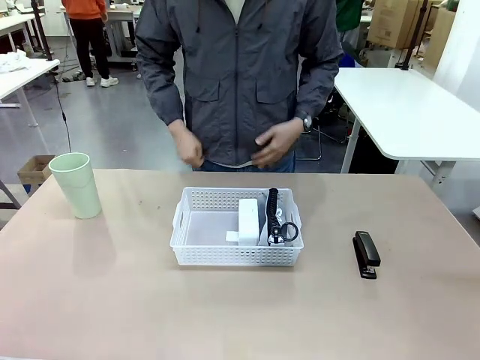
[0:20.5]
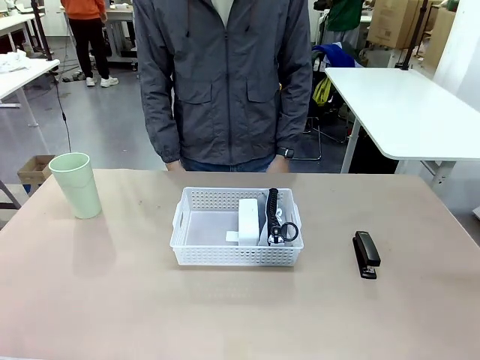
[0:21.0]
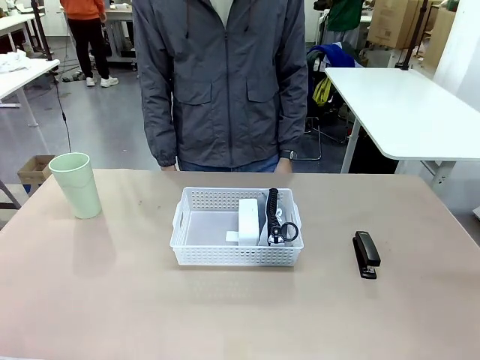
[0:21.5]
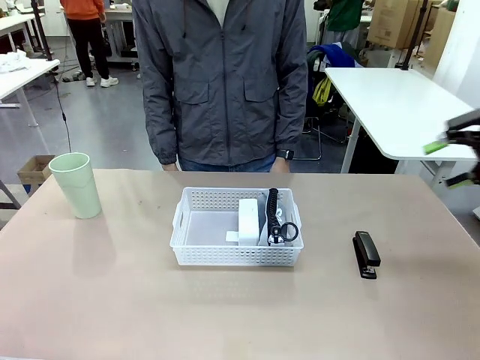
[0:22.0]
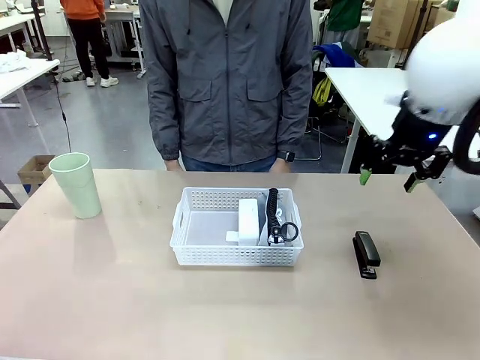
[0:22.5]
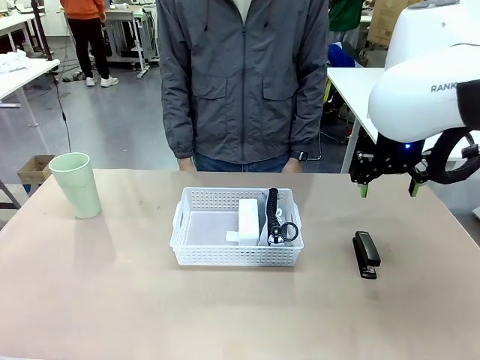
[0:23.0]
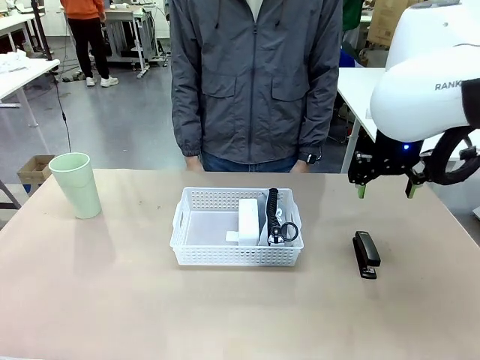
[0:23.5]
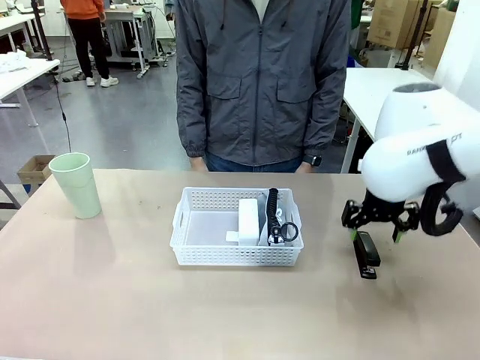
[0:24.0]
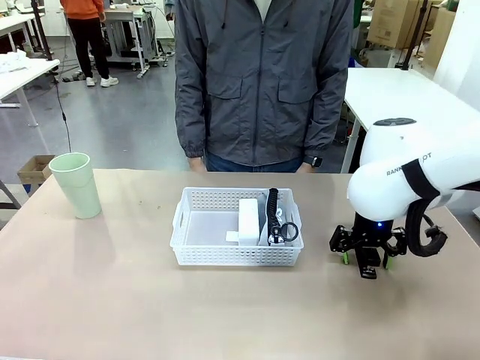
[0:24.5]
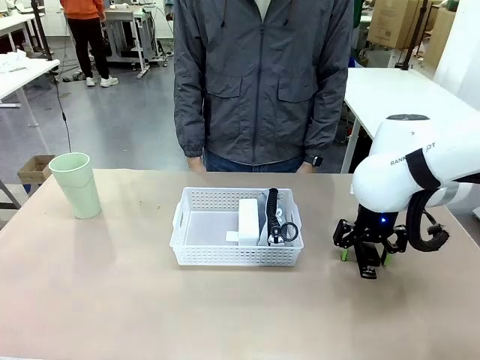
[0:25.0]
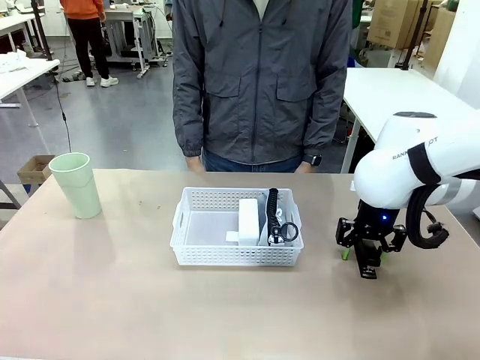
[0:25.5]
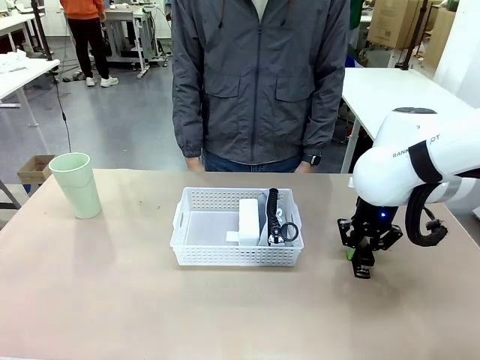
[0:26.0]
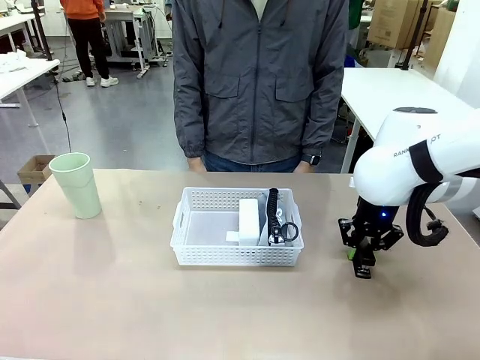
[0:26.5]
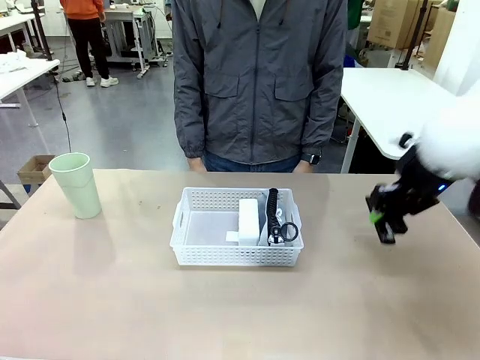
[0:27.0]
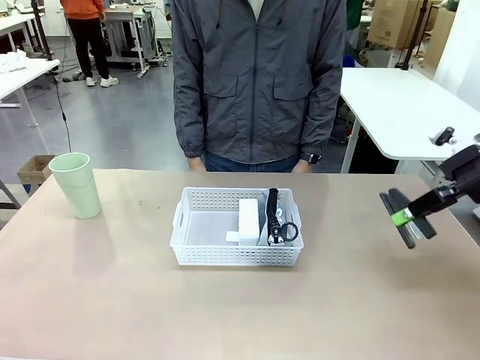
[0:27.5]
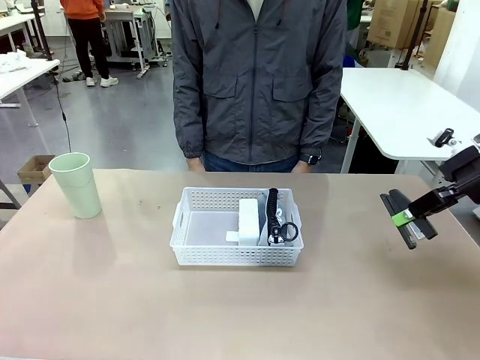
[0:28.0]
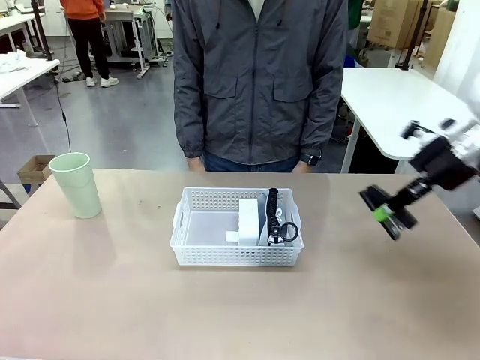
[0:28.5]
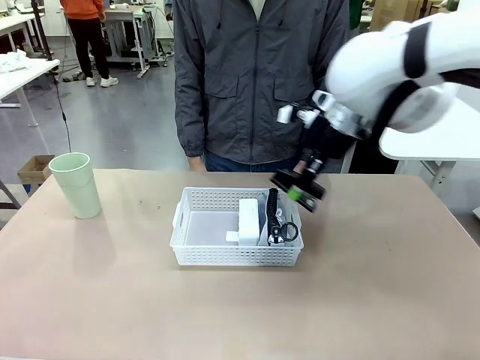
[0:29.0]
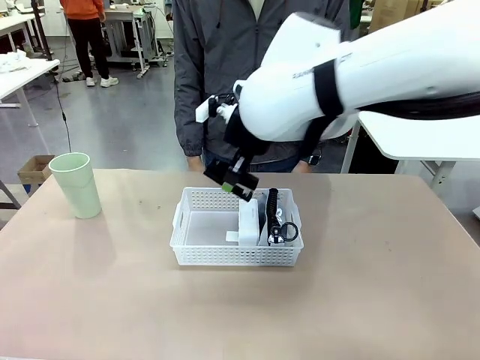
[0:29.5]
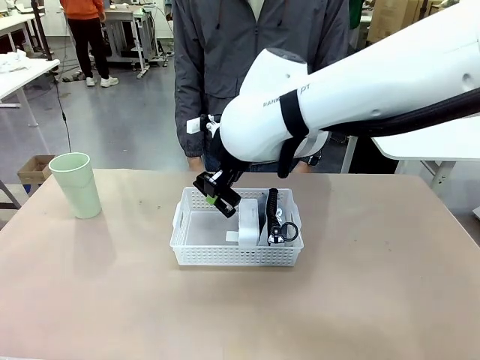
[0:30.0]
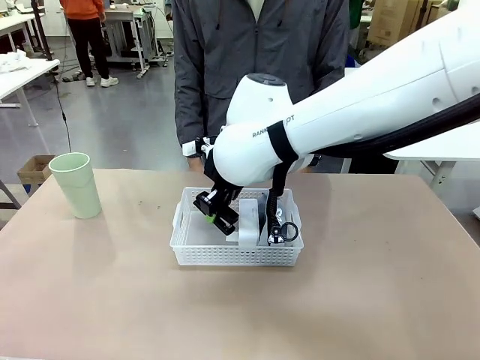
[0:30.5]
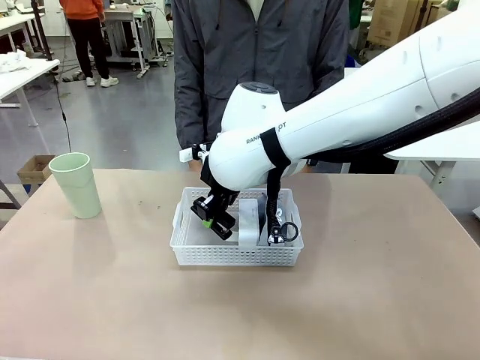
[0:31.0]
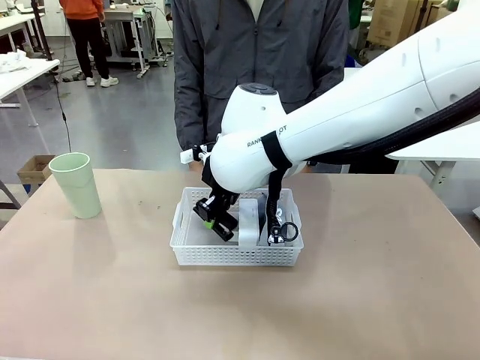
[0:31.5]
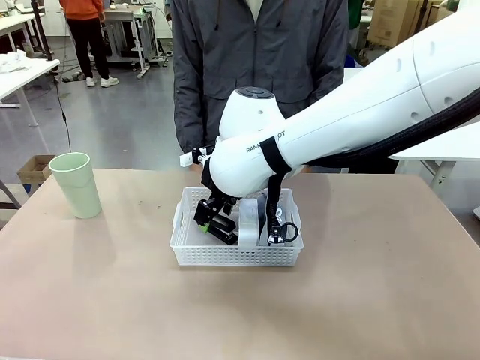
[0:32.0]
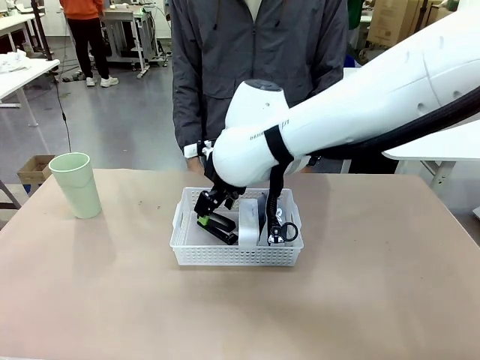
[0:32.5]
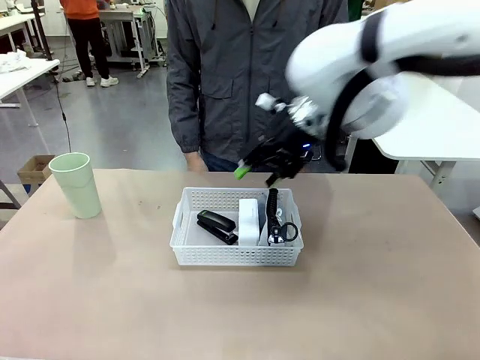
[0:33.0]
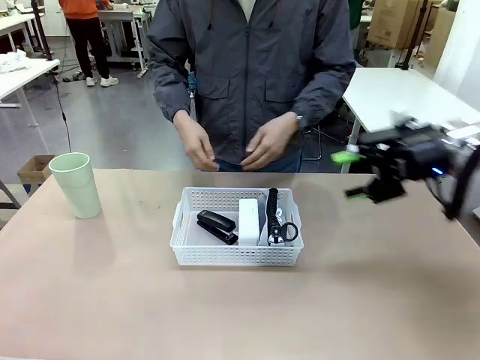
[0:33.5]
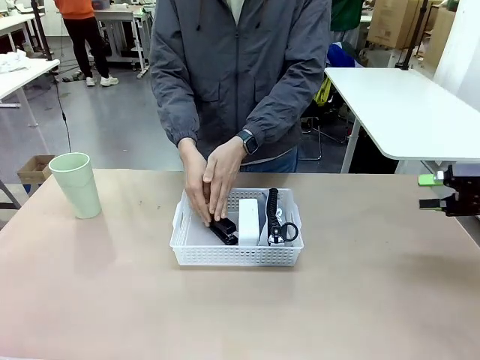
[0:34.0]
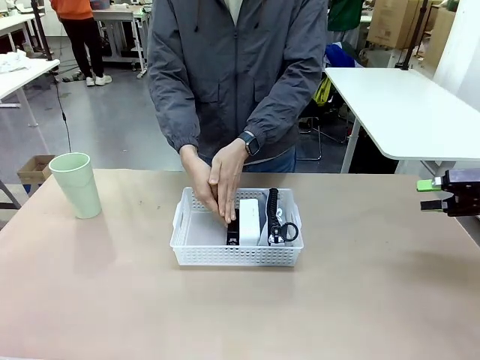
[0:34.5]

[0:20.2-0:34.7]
Task: Efficiently arrange items inside the basket to fit them all.
Robot: Pick up the Stapler and place it inside the Organizing basket.

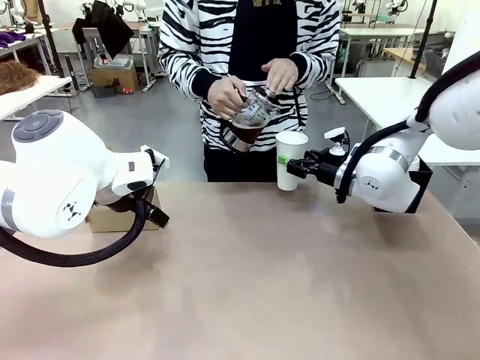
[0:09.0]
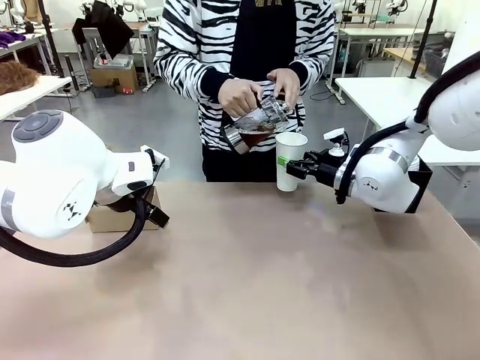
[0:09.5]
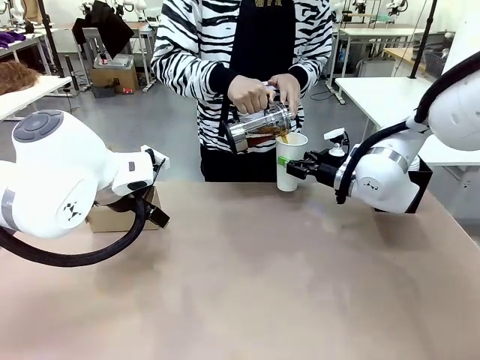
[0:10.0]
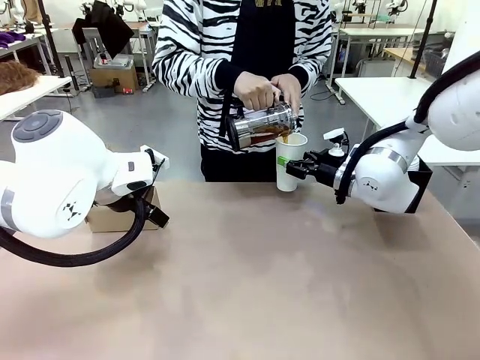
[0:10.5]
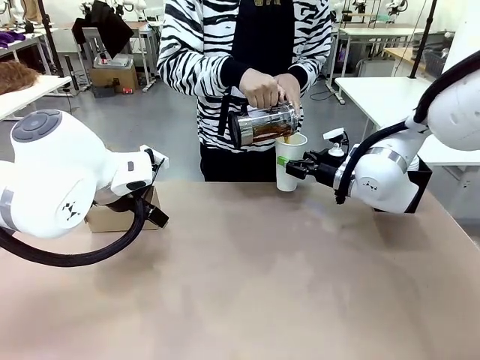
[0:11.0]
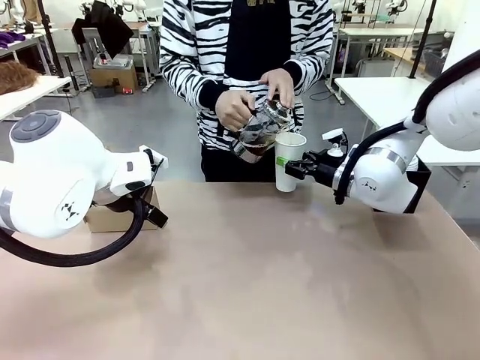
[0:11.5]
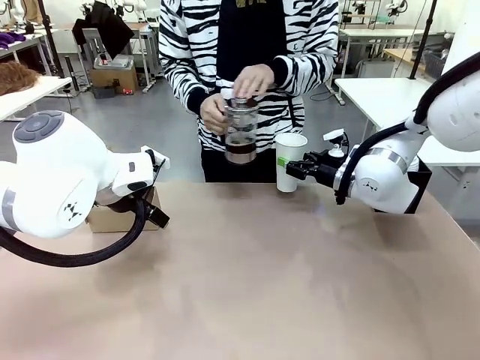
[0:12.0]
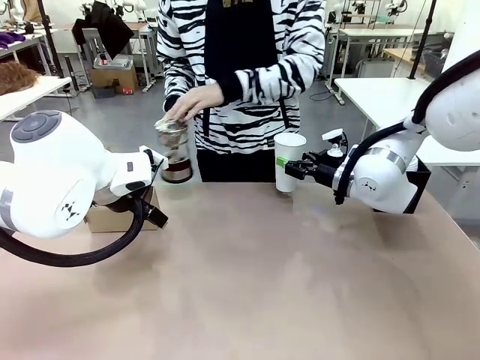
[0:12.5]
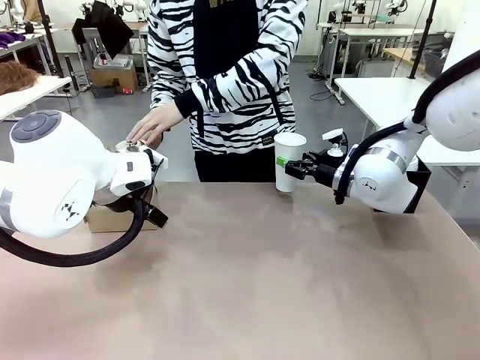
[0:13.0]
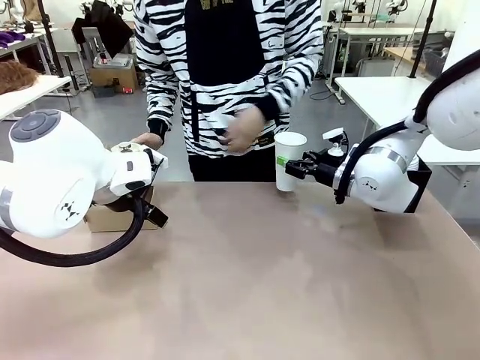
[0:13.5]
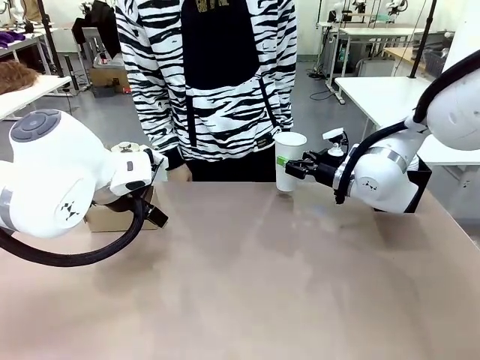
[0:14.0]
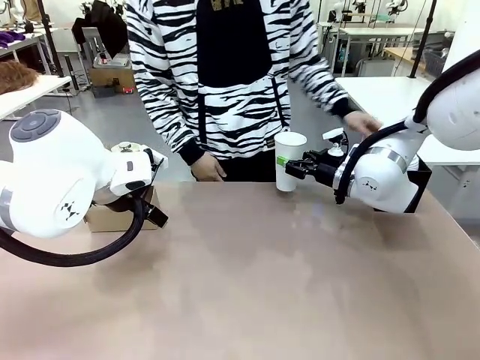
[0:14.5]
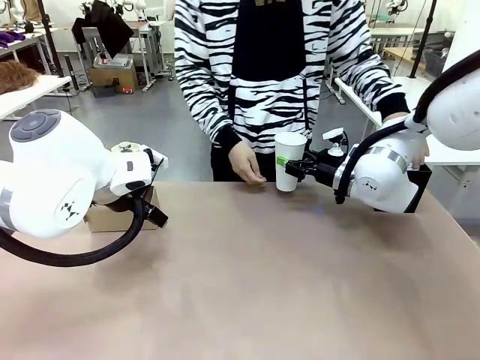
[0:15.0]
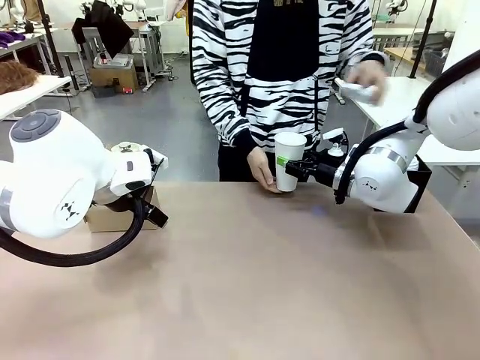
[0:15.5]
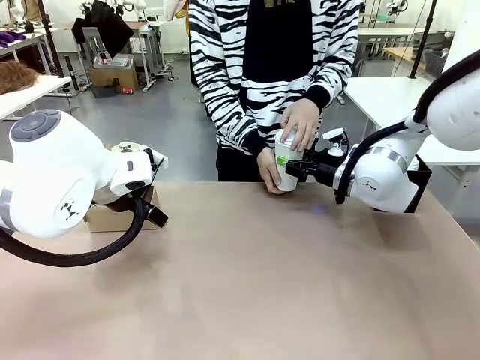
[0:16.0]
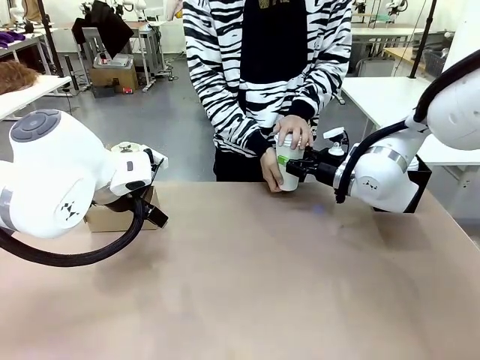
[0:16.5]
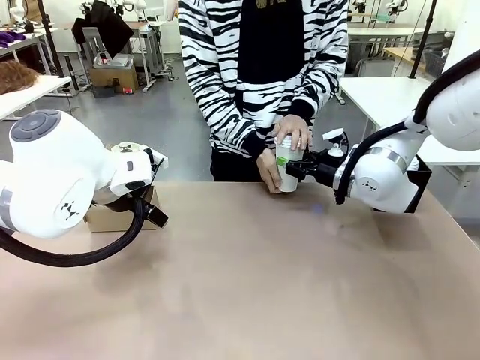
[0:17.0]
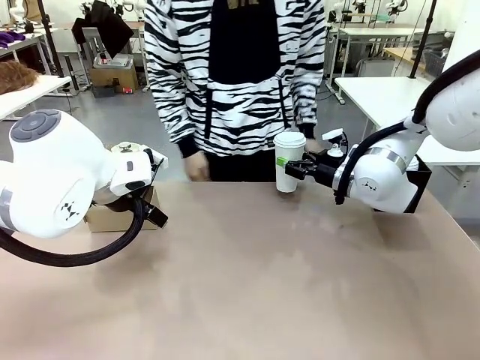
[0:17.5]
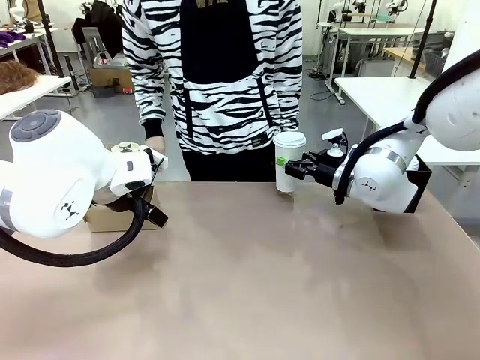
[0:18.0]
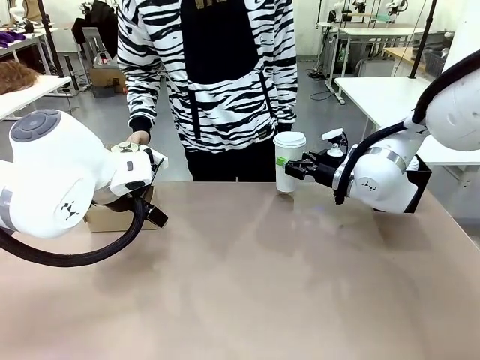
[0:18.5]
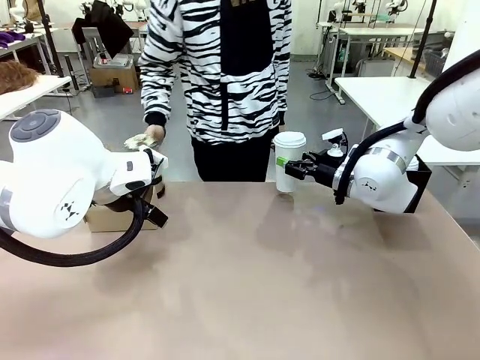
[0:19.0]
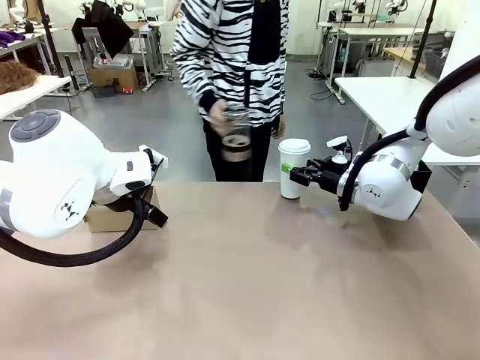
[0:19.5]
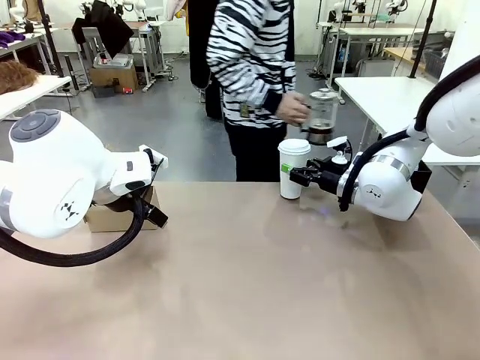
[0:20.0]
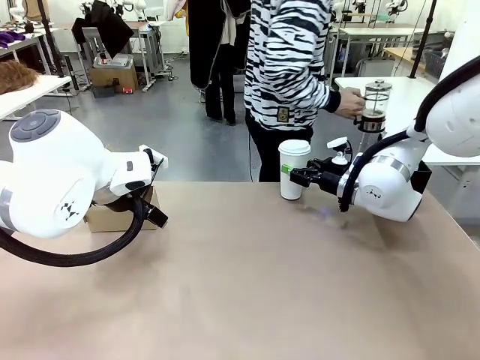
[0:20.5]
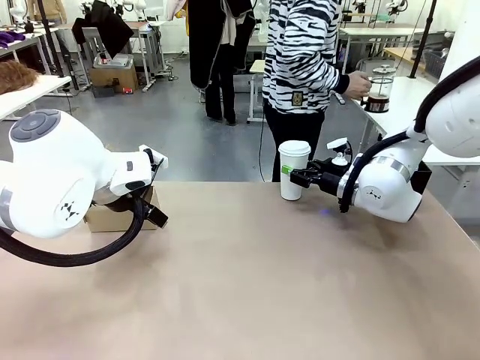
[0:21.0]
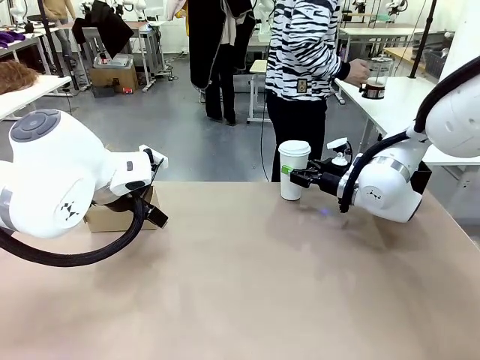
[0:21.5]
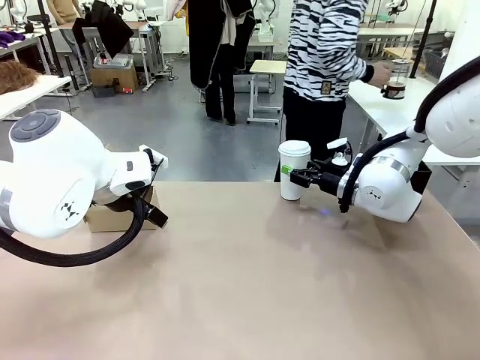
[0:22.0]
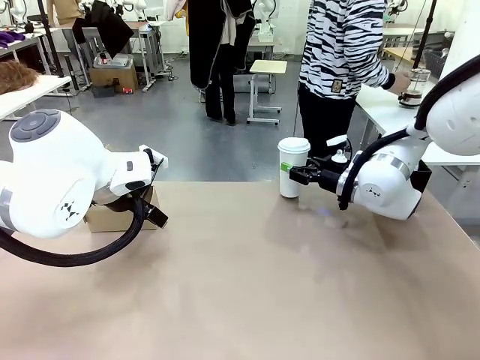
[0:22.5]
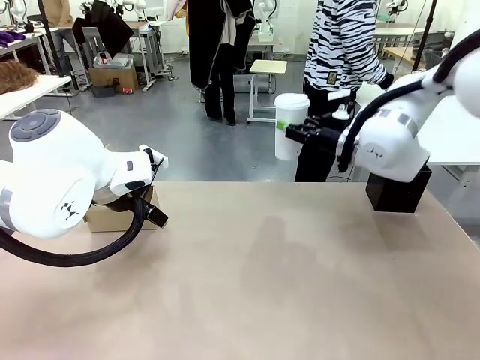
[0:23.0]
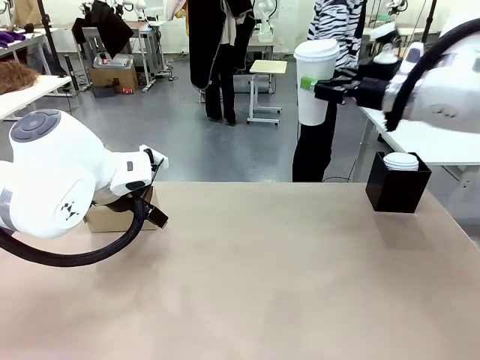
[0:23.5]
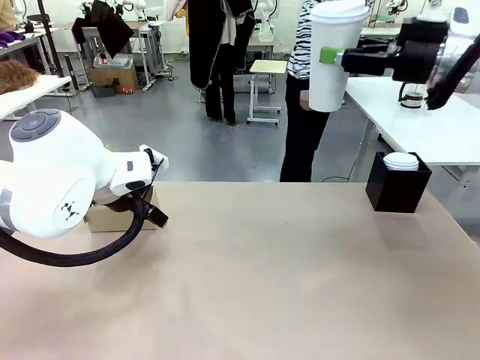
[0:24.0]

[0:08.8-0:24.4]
Task: Pour a drink into a cup and package it in a carrier.
Robot: When a person places the Paper Cup Lid on the 600 ml Paper Cup , lift the 600 ml Paper Cup.
Person: Pour the drink from the Filter Brewing into the 600 ml Paper Cup. Place a Paper Cup Lid on the 600 ml Paper Cup.
